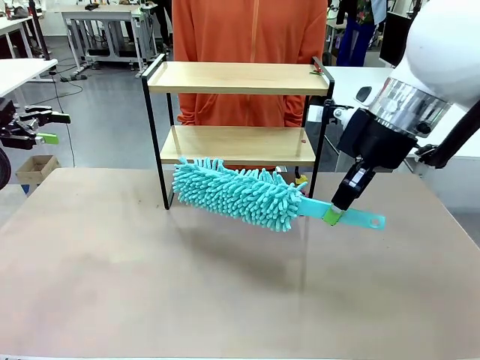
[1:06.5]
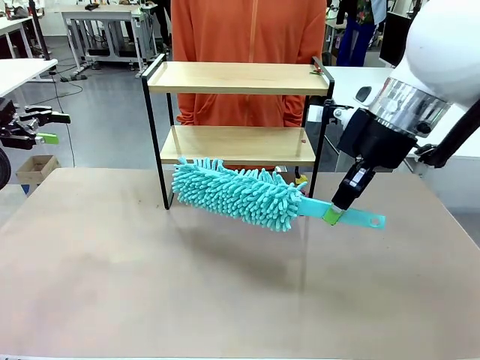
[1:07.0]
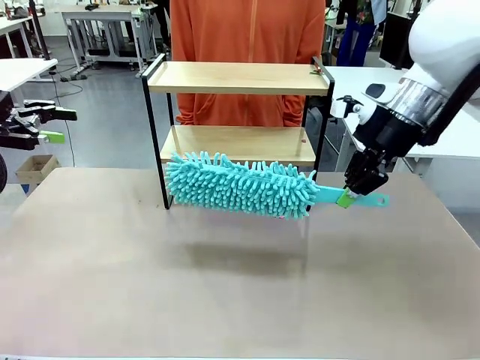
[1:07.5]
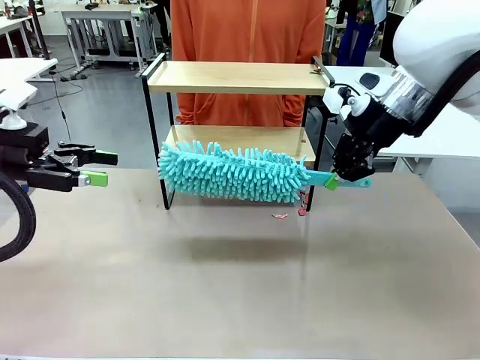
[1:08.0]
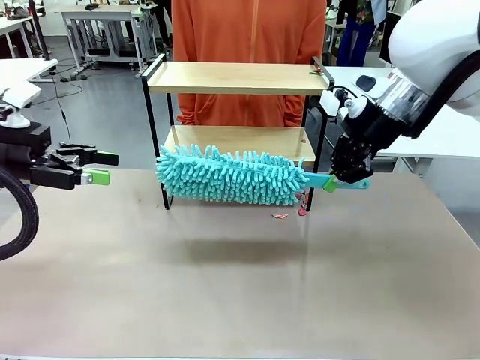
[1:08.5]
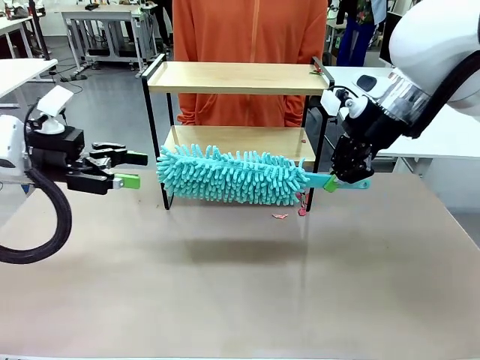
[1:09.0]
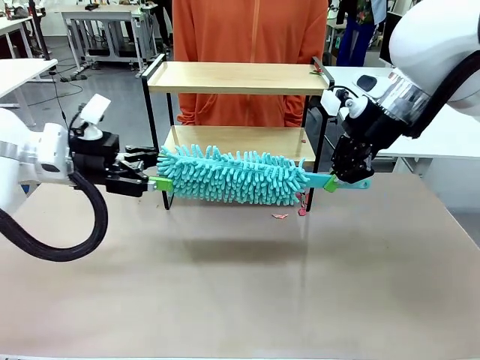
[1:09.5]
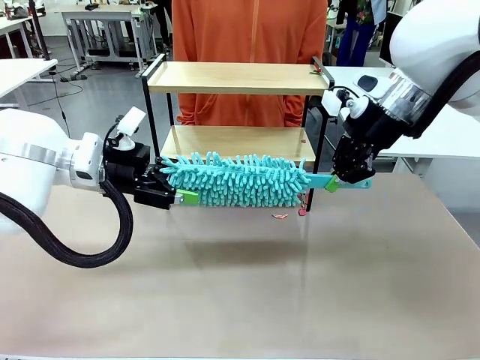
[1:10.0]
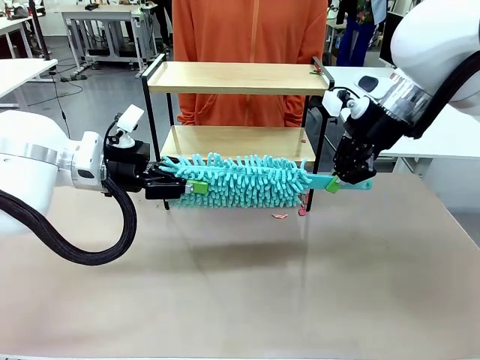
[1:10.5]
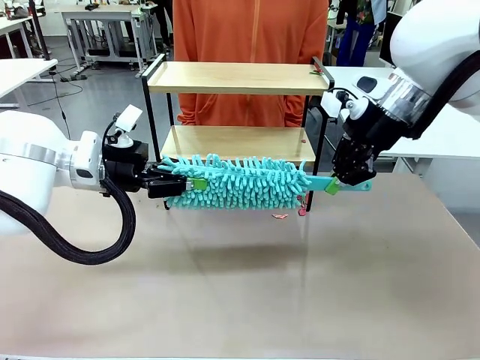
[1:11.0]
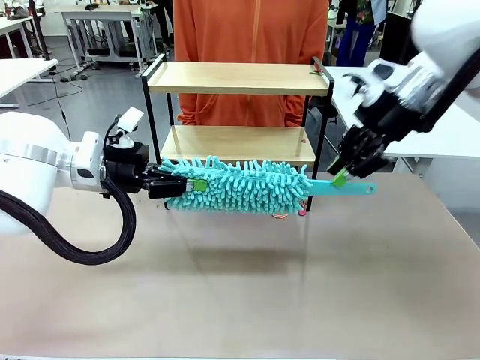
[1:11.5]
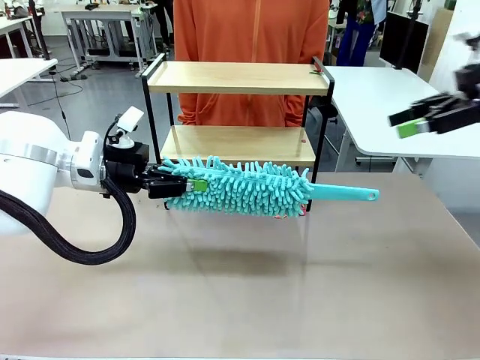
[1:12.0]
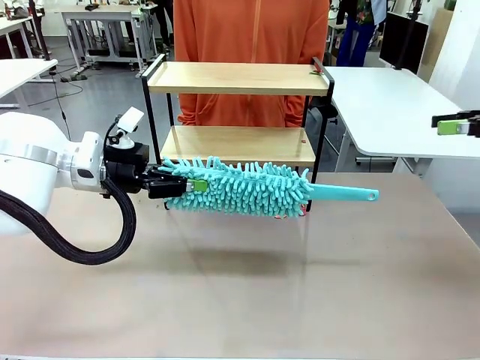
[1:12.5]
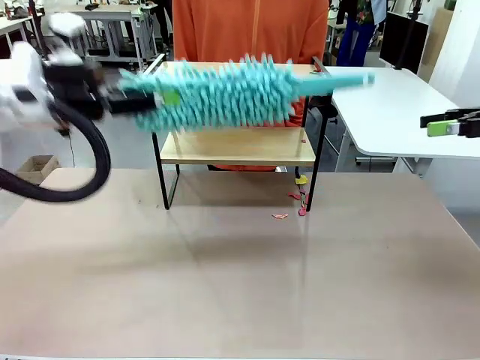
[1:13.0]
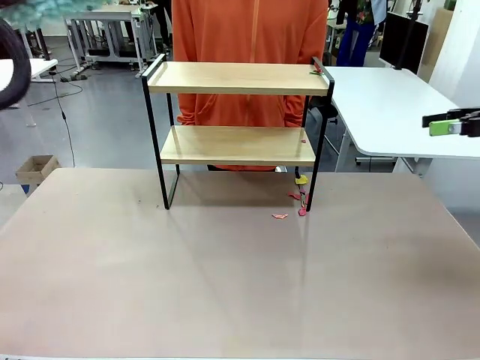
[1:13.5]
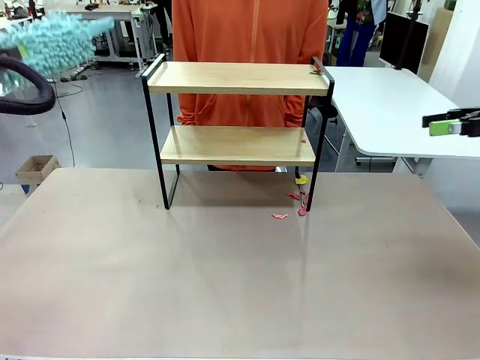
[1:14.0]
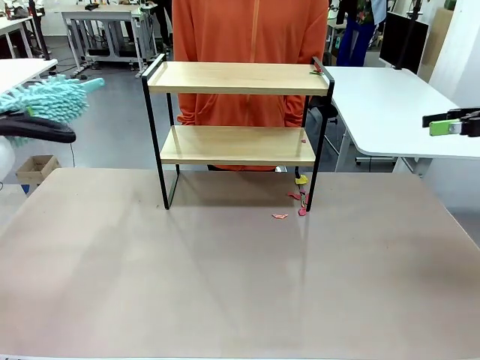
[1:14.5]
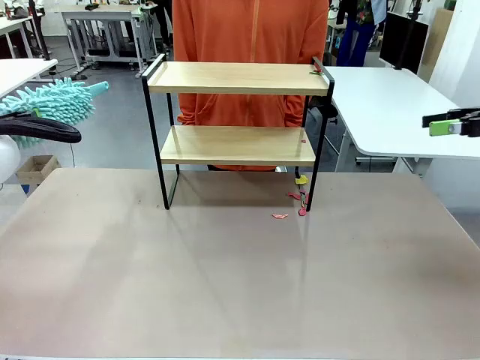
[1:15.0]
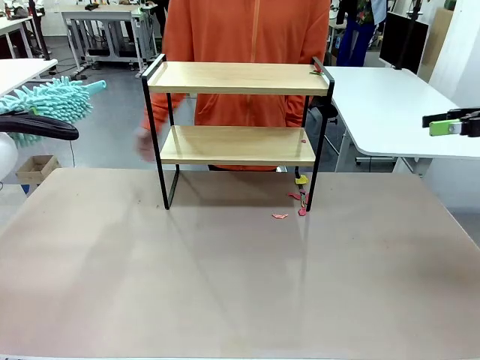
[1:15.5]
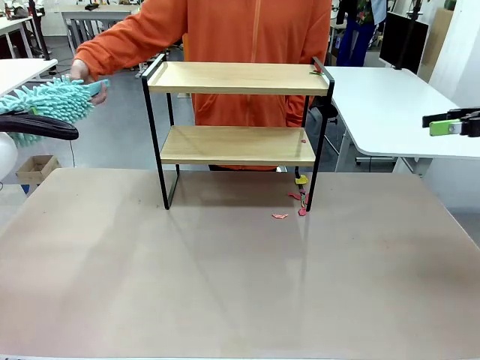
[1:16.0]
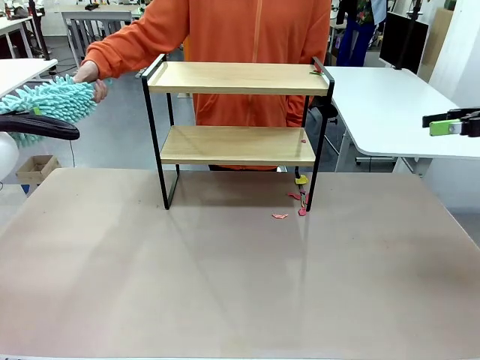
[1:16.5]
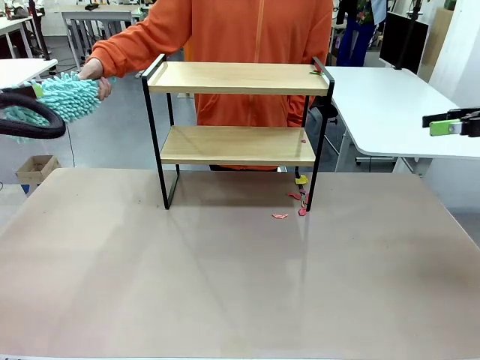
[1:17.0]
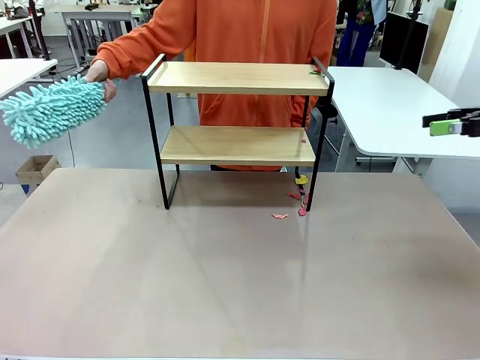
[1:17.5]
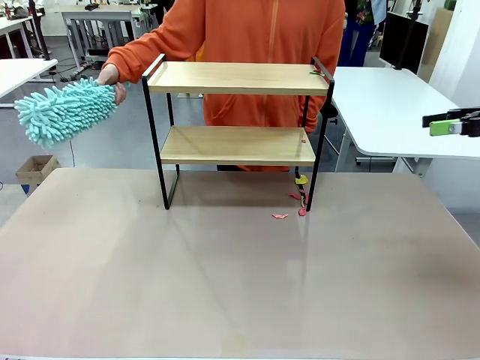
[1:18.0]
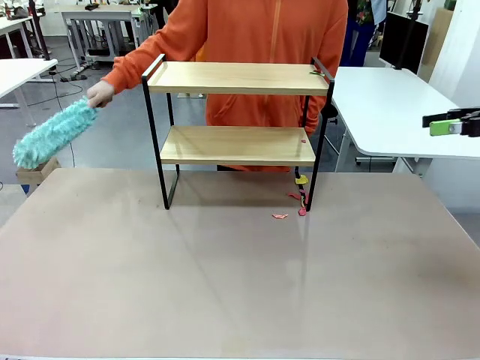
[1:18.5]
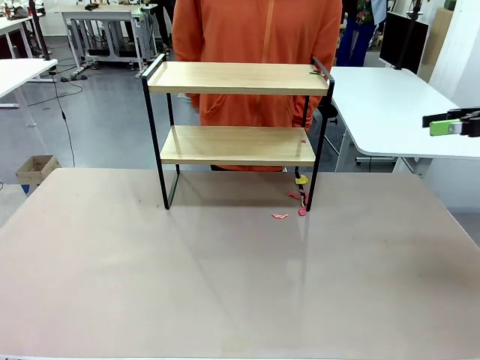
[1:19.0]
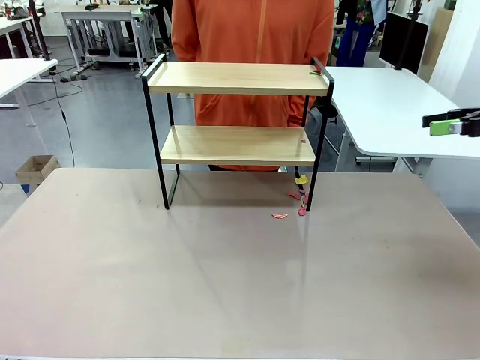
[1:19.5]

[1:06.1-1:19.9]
Task: Clean the shelf.
Robot: Hand the Duster back to the human.

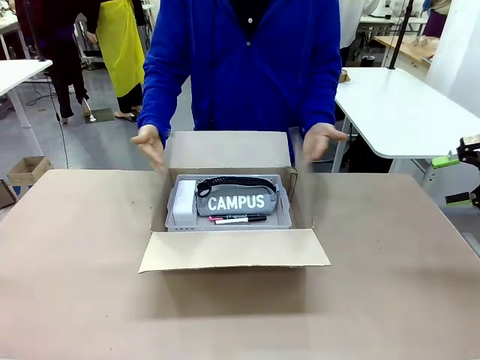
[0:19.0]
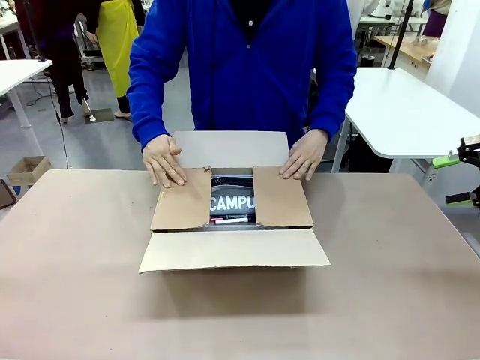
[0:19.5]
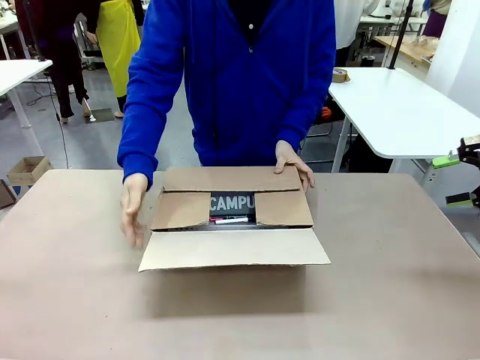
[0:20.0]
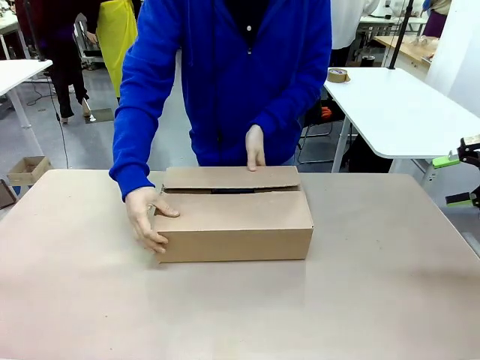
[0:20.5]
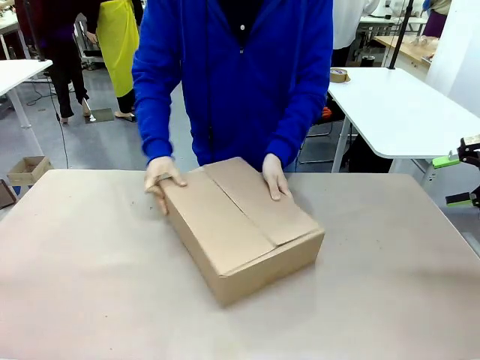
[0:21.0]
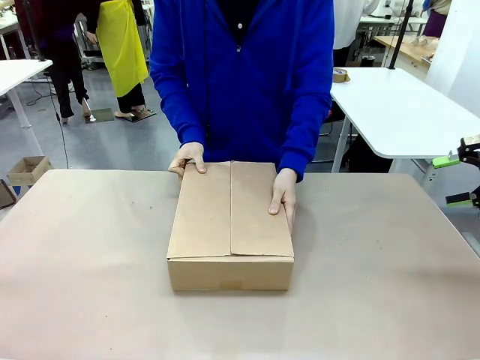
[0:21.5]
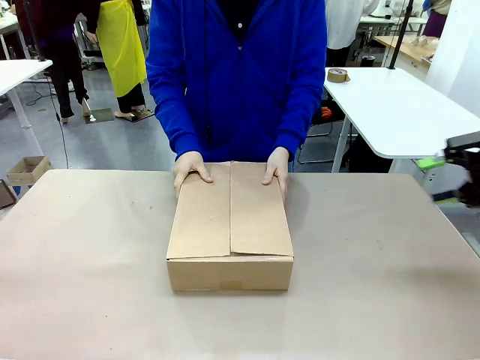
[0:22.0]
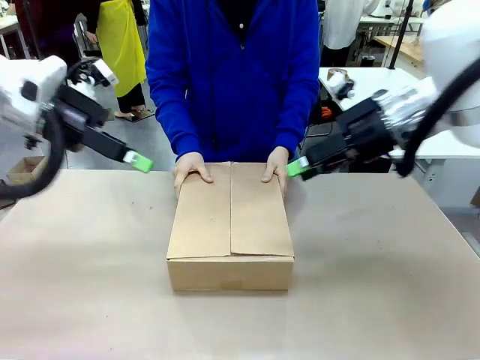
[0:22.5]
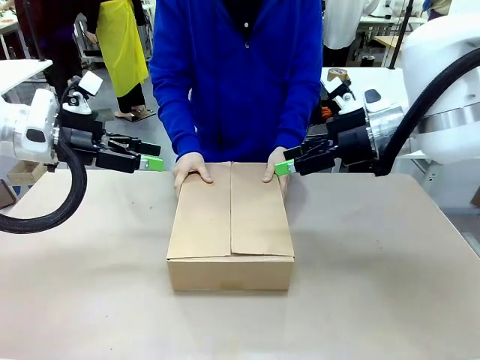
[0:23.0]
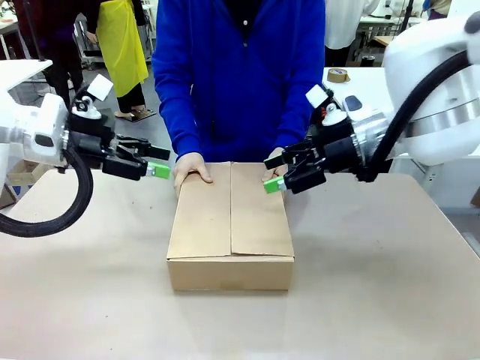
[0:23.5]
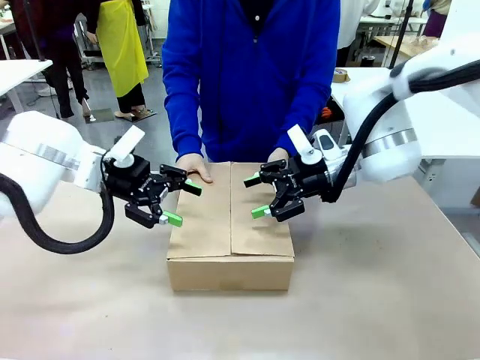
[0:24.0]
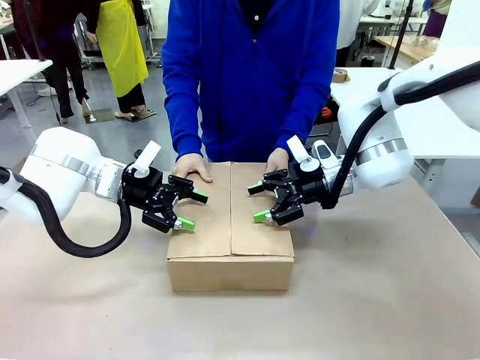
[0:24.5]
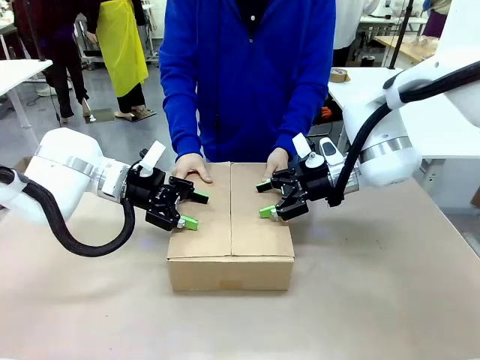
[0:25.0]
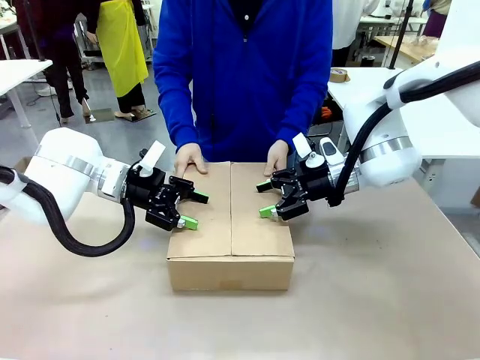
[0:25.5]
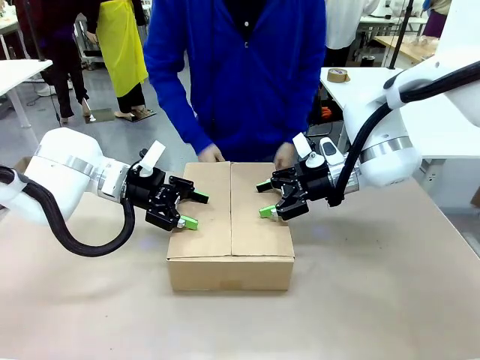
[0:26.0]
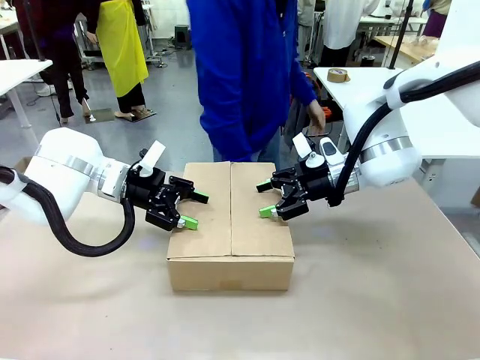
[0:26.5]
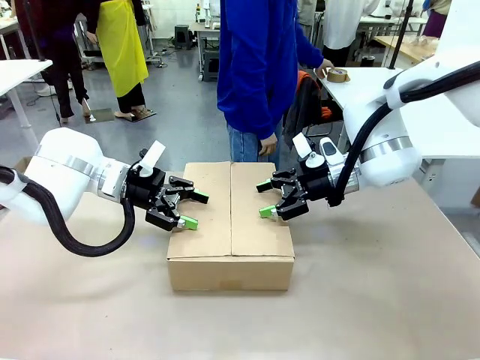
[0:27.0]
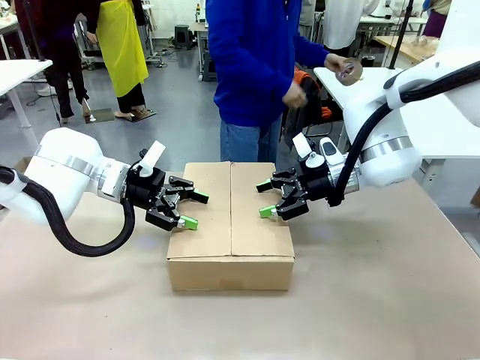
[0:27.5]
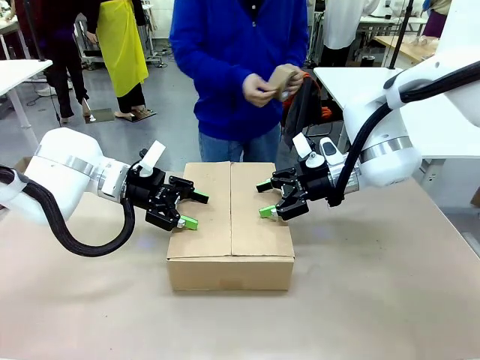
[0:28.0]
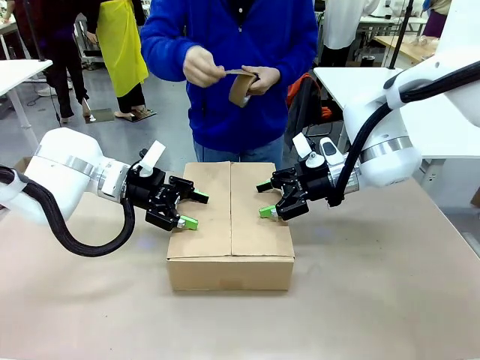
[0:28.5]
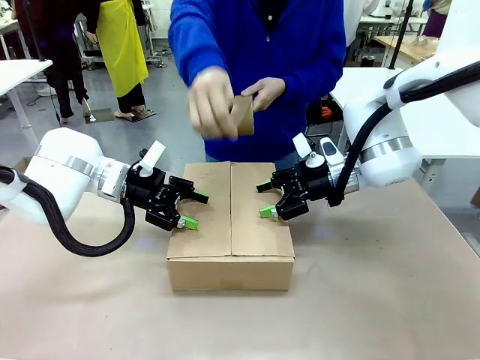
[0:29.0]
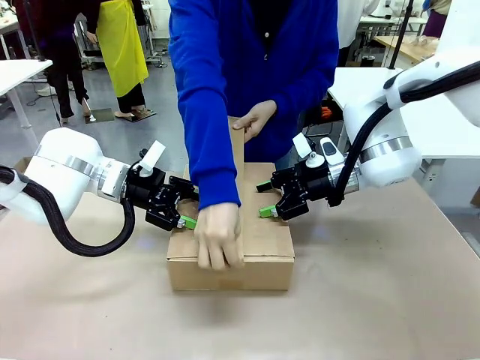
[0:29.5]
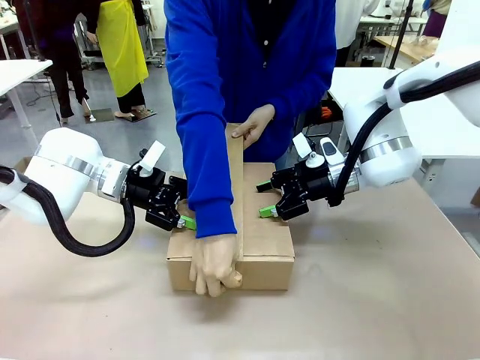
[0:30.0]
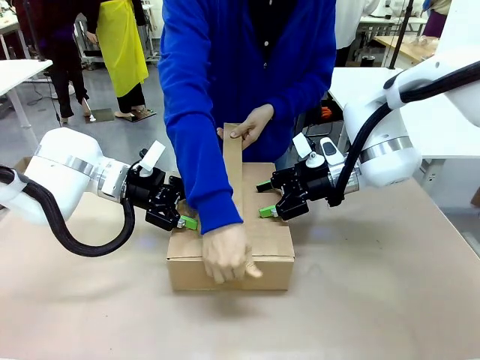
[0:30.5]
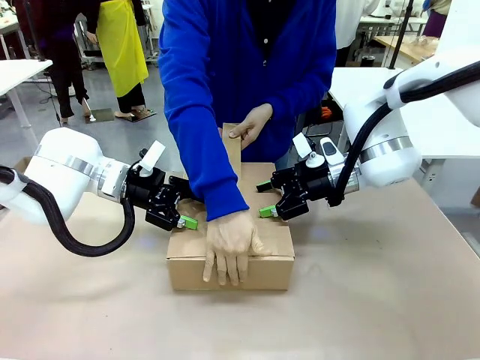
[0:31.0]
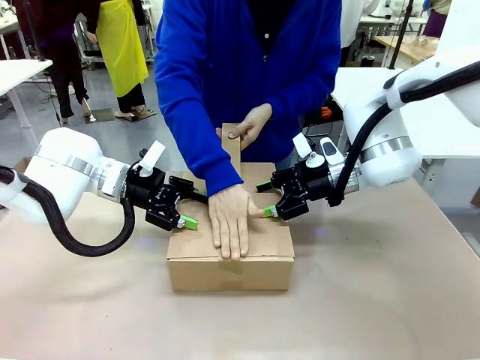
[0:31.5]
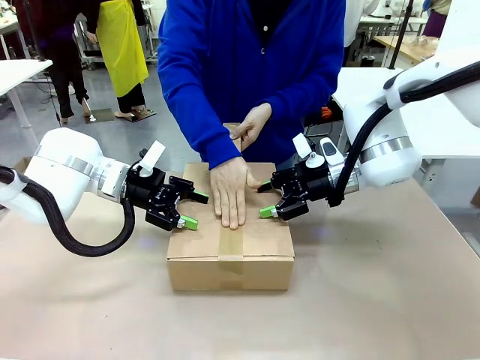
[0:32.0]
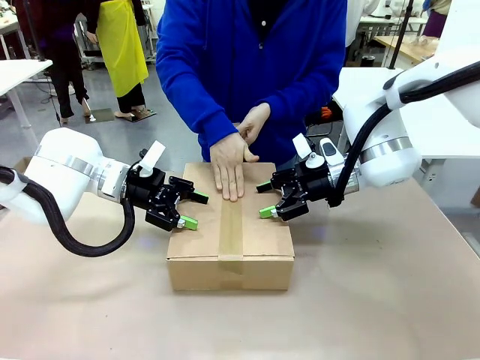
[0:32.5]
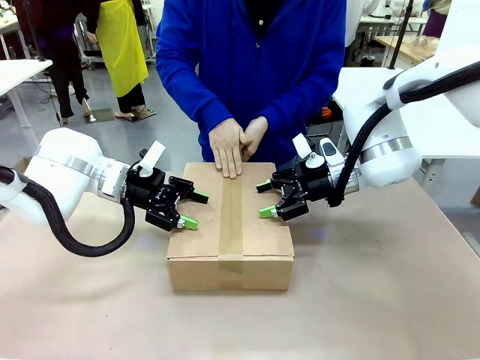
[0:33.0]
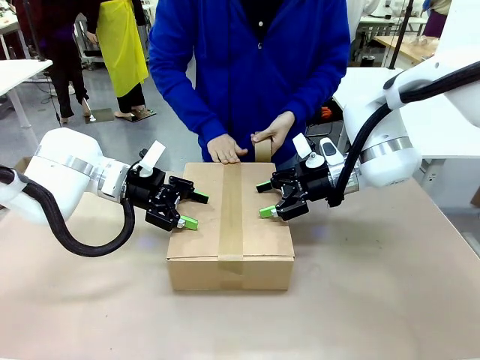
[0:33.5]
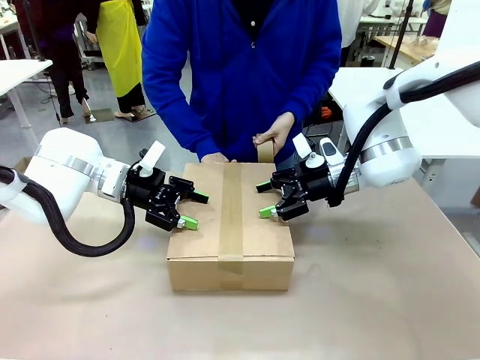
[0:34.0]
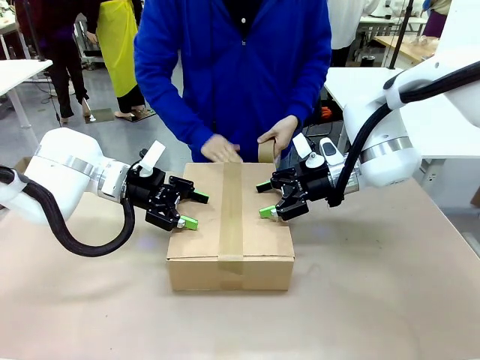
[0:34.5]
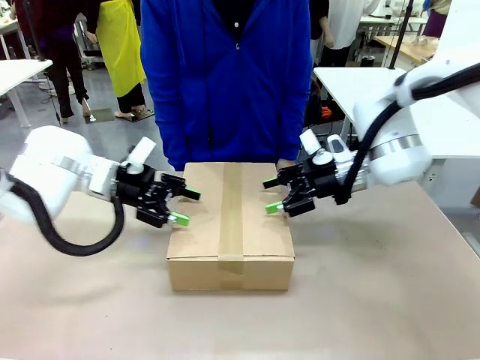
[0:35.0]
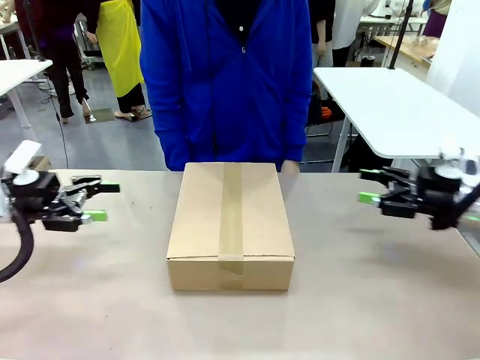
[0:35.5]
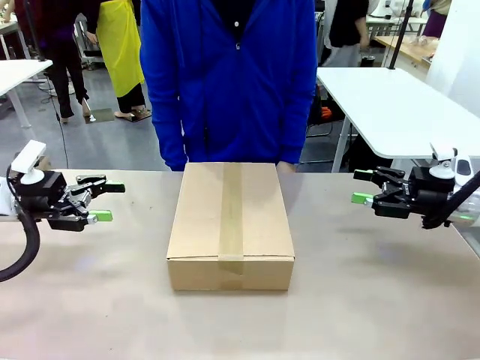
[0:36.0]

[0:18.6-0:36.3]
Task: Pack the gift set into the box.
Robot: Press and hold the closed box until the human finishes sealing it.
Person: The human closes the box and rotates the box by 90 degrees. The human picks up the paper tape from the human table and packs the box.
